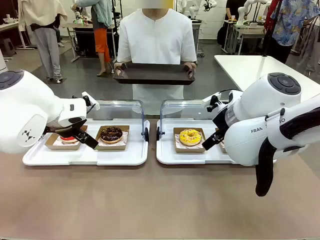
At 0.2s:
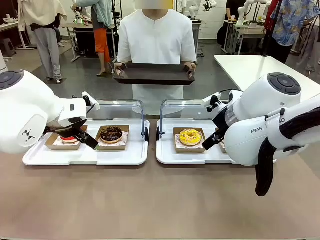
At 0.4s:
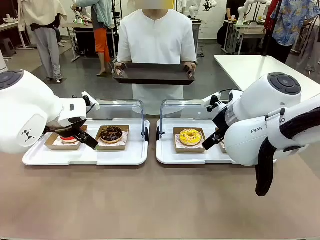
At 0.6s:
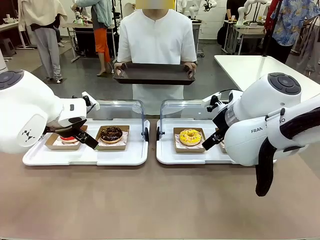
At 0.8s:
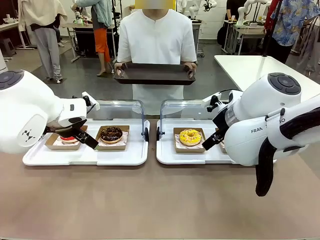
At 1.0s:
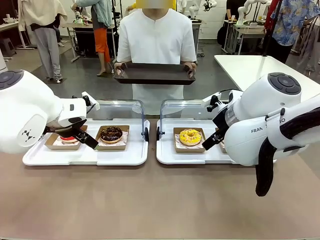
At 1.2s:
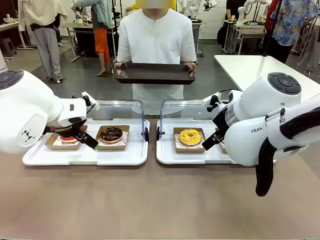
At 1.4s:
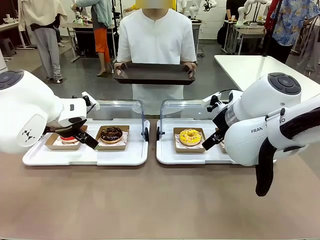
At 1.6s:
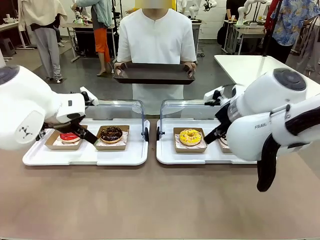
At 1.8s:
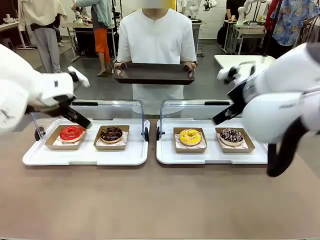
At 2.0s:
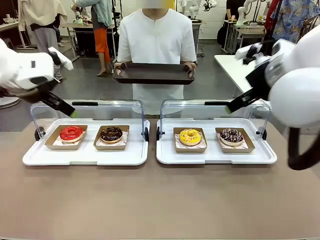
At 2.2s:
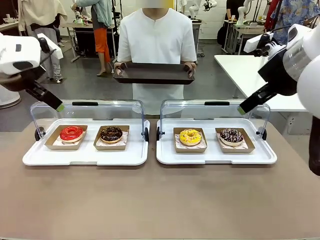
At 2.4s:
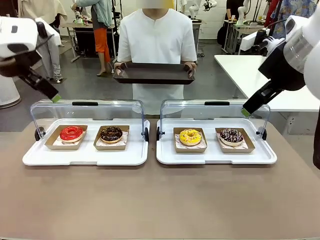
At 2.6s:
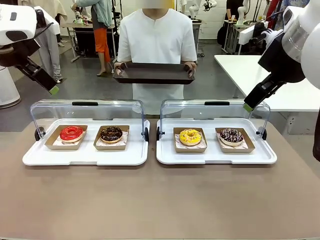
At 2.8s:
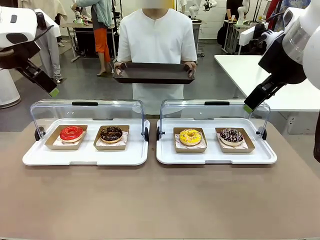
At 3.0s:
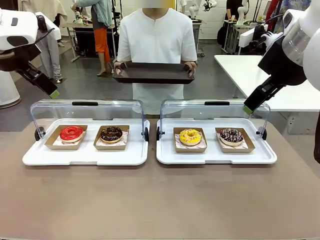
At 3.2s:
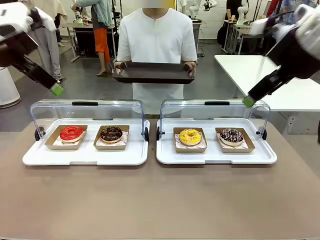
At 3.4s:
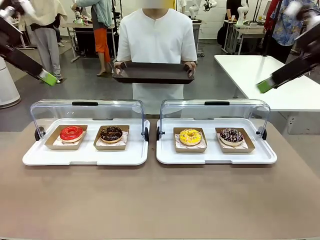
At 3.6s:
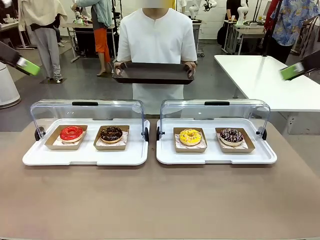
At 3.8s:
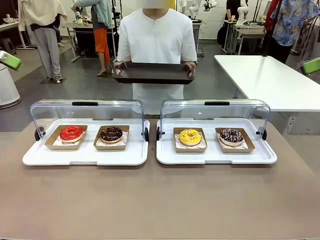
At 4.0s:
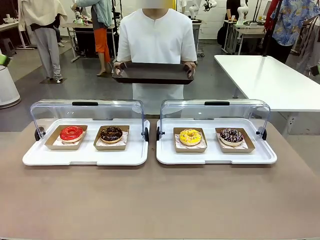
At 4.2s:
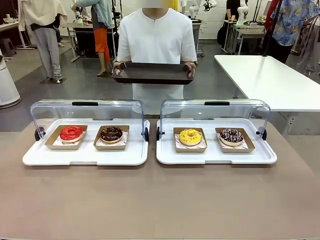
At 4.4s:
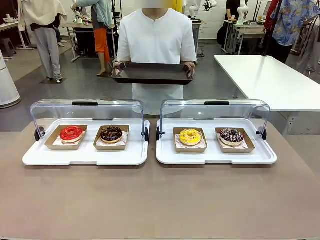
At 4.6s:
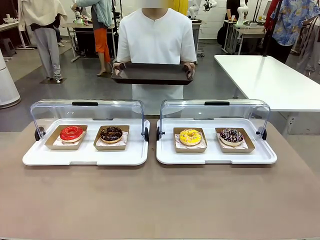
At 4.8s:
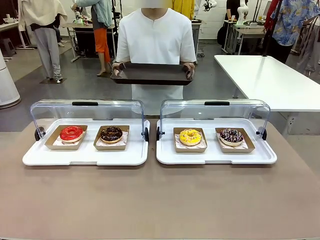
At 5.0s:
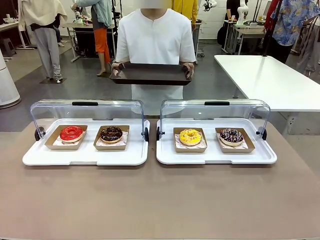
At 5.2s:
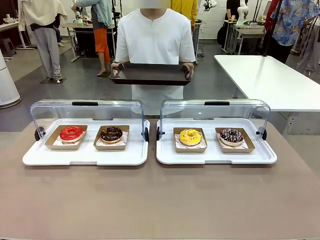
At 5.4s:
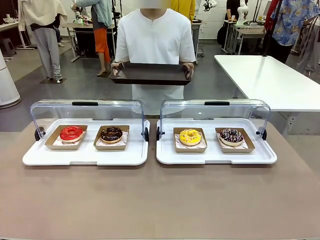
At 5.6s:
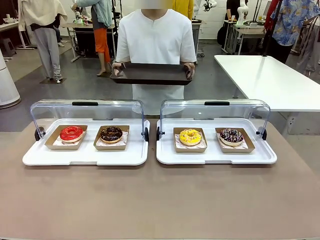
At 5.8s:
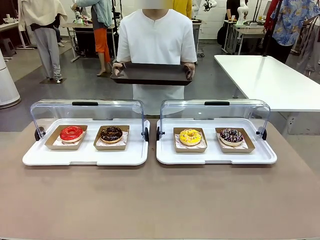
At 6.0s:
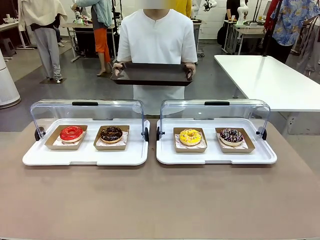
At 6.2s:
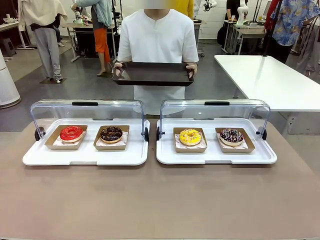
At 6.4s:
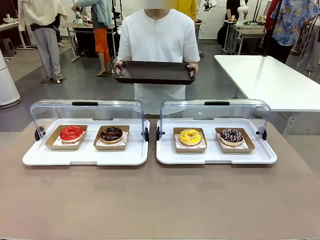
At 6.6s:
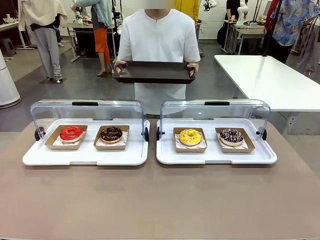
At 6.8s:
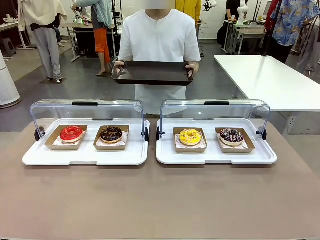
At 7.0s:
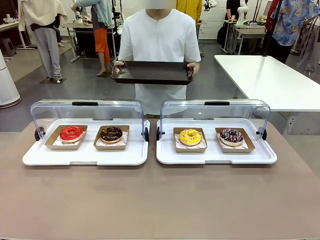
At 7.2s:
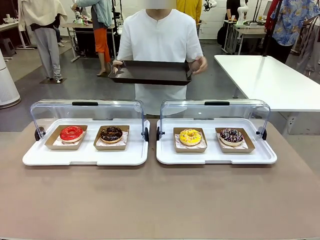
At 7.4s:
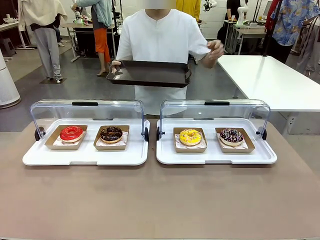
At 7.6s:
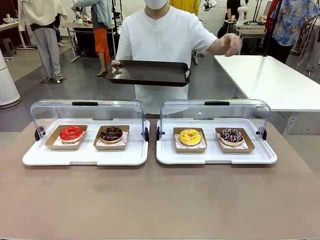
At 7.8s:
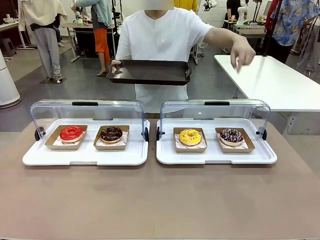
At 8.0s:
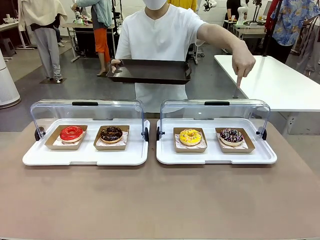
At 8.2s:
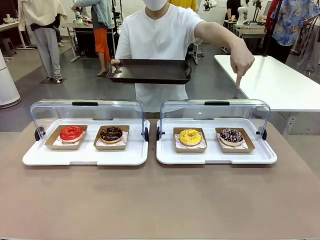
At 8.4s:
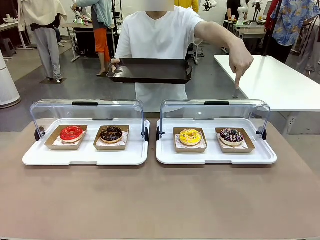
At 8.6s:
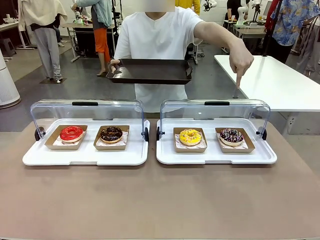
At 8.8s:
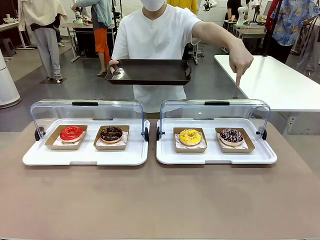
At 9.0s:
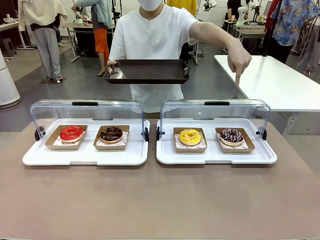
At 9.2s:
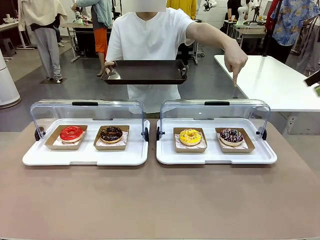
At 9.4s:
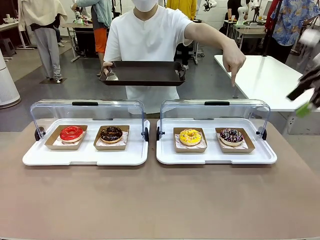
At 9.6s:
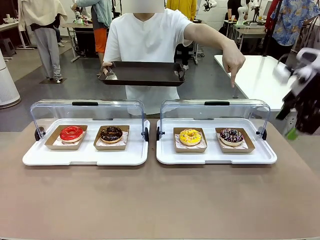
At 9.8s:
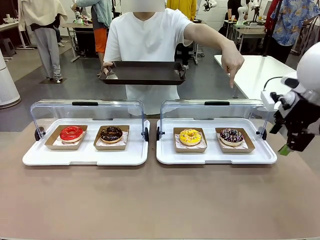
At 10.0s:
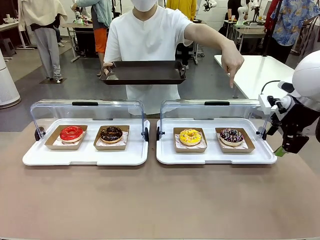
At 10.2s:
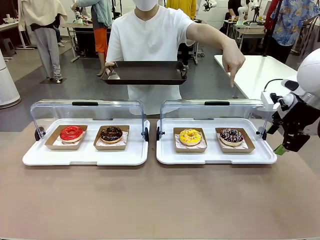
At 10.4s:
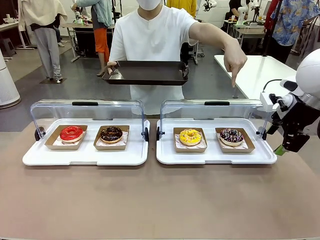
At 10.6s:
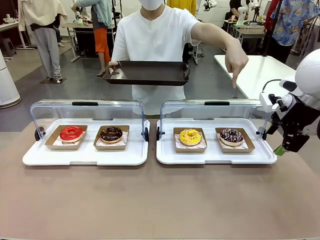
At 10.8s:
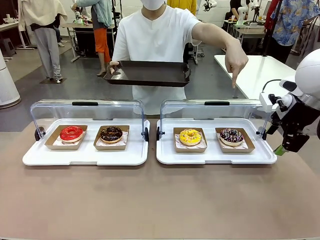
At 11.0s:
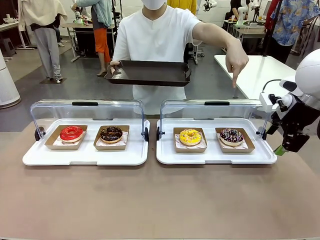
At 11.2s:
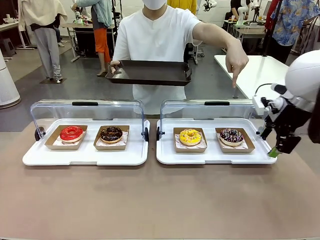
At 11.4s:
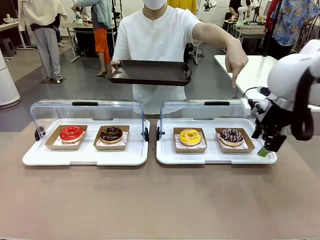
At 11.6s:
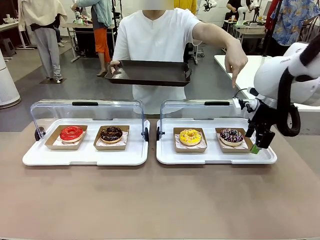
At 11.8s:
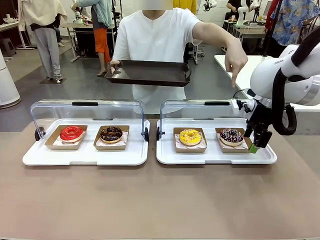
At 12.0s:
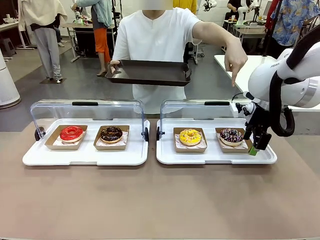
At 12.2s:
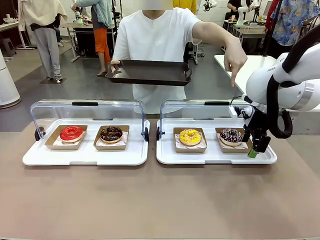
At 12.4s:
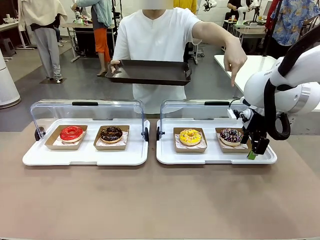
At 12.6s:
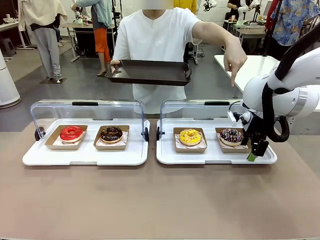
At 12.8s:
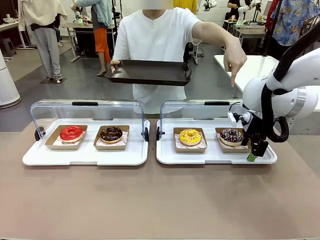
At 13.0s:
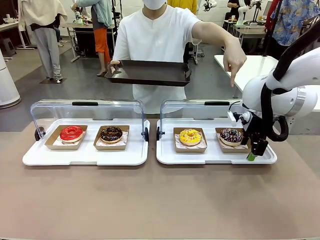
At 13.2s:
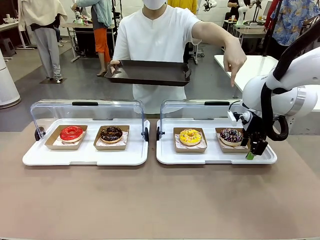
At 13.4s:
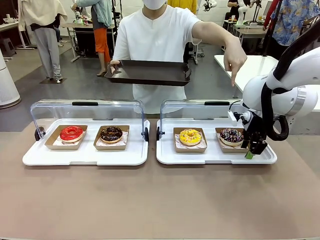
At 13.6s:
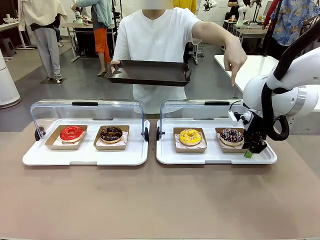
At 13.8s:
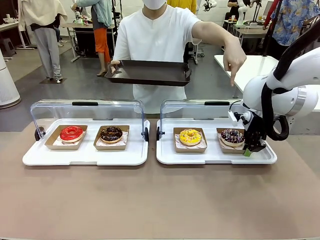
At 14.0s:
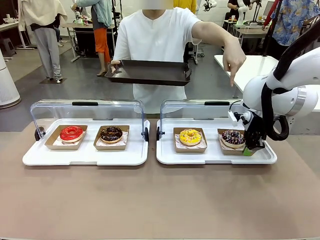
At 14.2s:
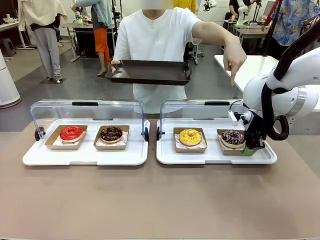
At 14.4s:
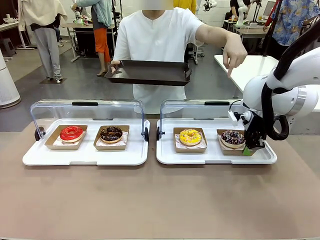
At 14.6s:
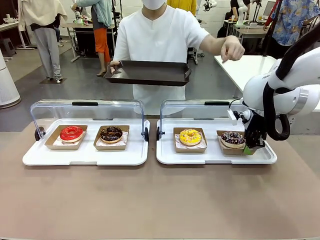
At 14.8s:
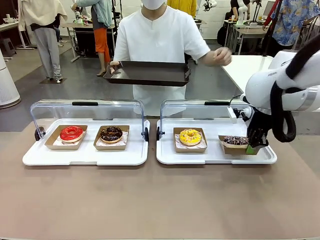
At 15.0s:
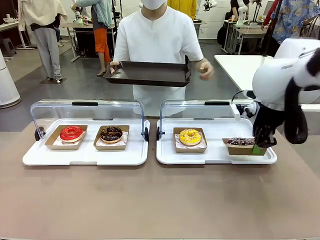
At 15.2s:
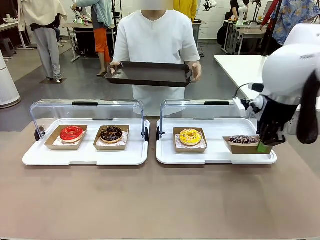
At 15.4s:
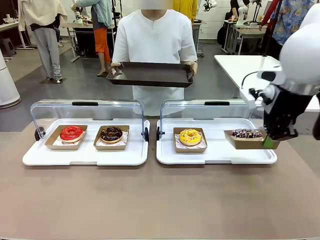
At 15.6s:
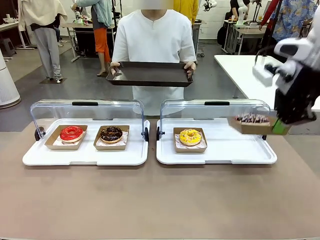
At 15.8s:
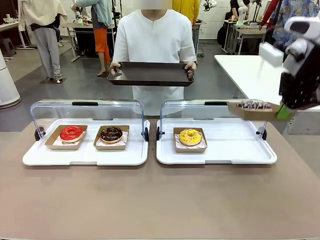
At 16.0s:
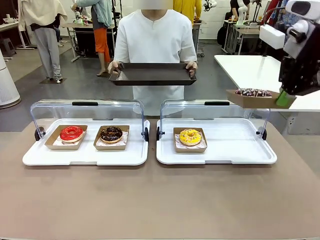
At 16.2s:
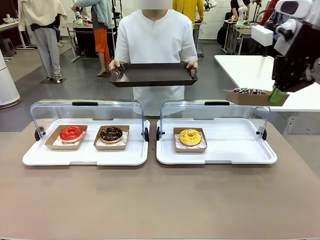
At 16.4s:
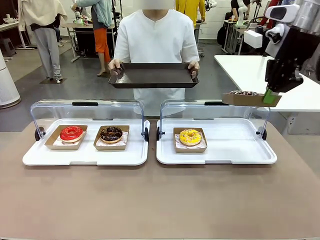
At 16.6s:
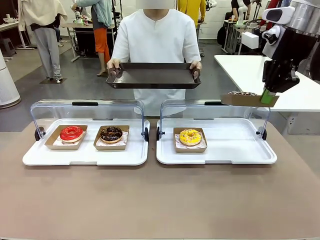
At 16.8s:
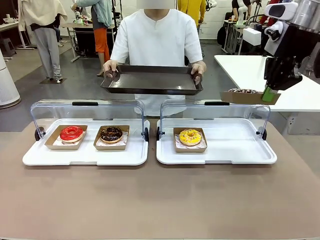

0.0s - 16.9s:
Task: Provide the desired donut to the person.
Robot: Pick up and lift the Paper togo box containing the Donut pointed at by the person.
Person: Point to one donut. Lift the tray onto the Roll-Top Bakery Case.

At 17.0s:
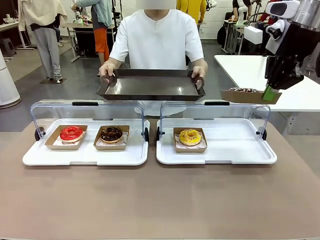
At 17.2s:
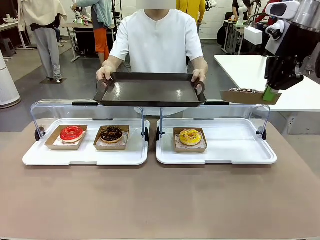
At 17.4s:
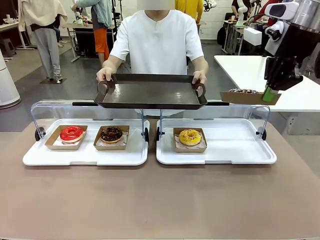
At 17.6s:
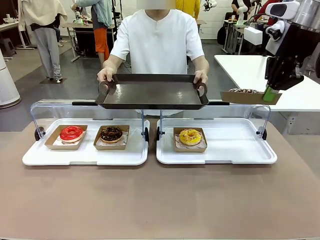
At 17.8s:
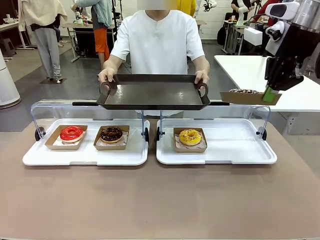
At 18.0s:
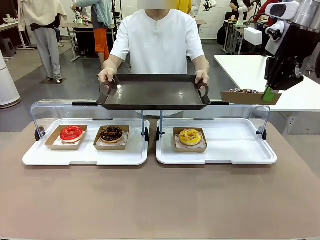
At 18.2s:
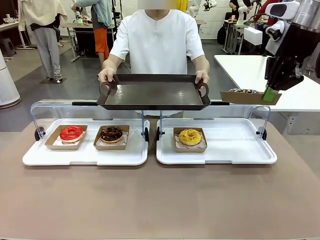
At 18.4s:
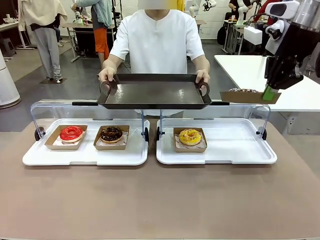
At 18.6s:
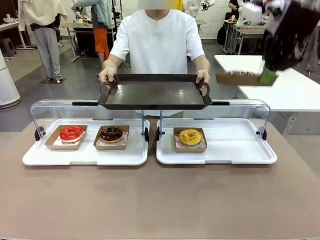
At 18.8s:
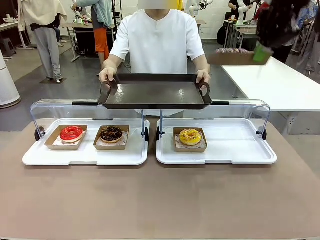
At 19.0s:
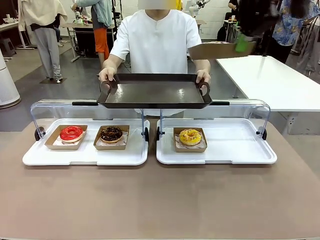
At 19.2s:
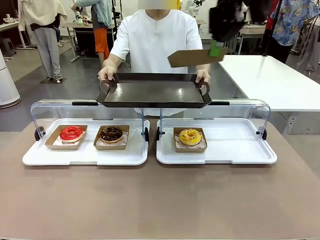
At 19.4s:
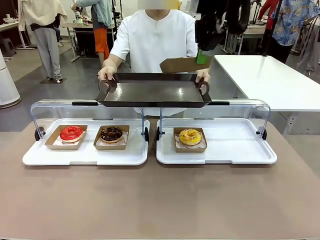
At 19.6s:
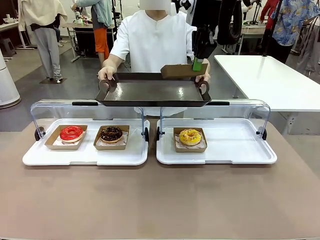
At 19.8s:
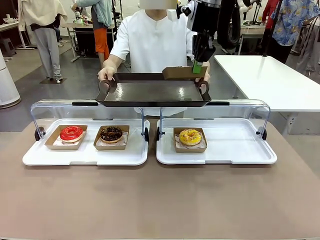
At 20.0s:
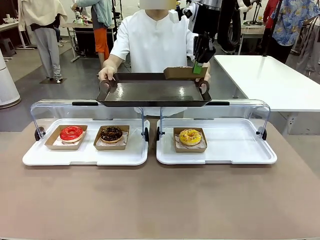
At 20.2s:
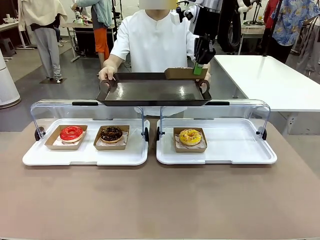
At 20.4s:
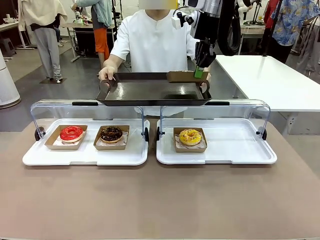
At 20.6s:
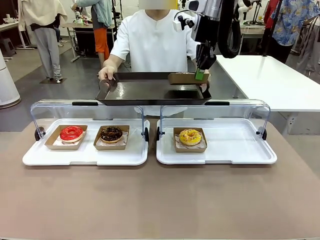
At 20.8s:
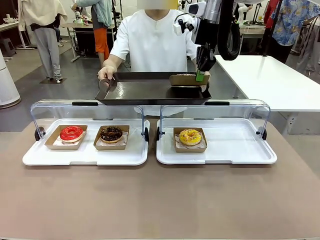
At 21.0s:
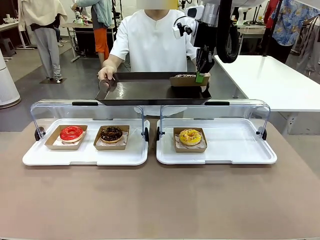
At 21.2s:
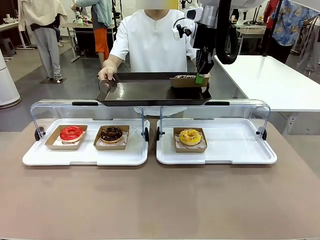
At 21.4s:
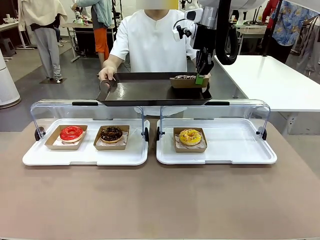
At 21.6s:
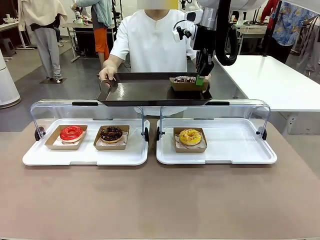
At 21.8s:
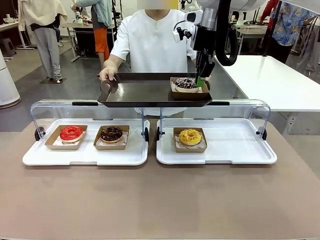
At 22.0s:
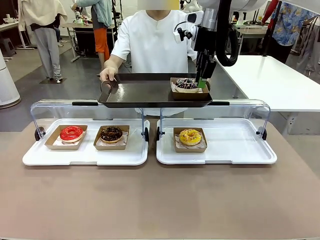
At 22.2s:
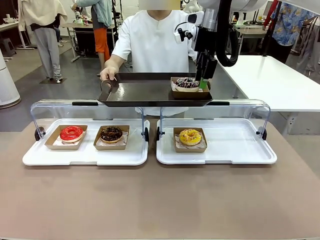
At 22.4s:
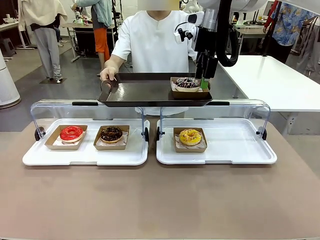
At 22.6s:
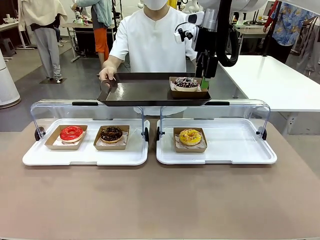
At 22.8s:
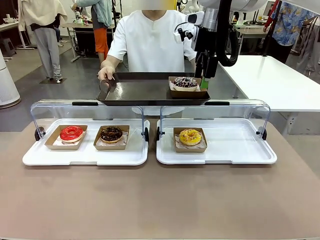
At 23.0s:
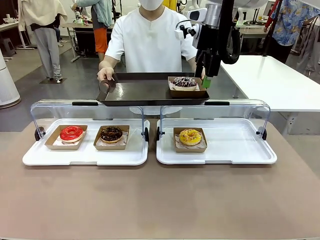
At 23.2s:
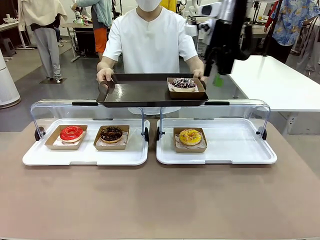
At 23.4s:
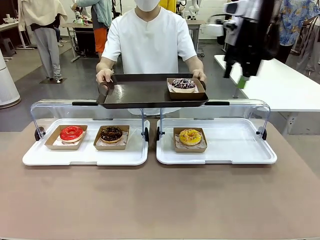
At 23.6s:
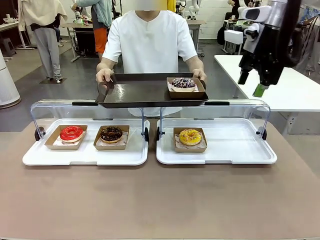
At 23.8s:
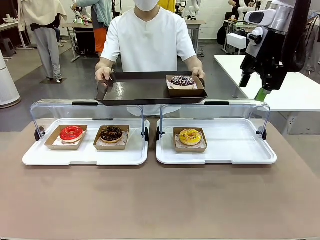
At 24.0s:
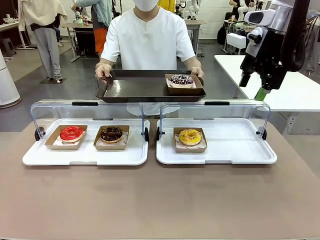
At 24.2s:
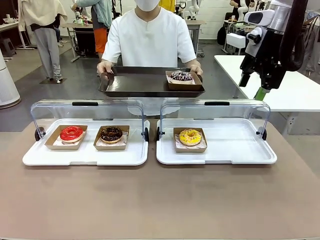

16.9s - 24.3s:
Robot: Place the picked Paper togo box onto the Handle tray extended by the person.
